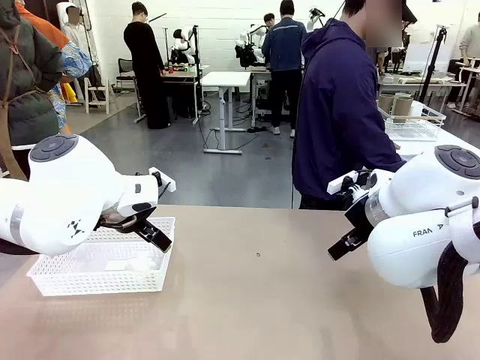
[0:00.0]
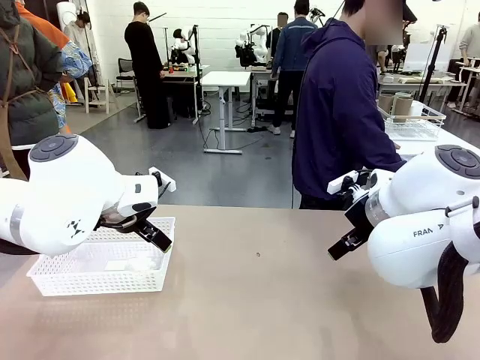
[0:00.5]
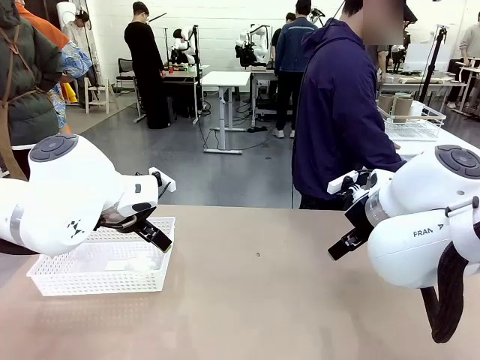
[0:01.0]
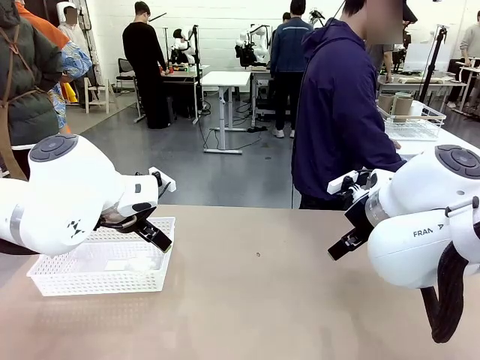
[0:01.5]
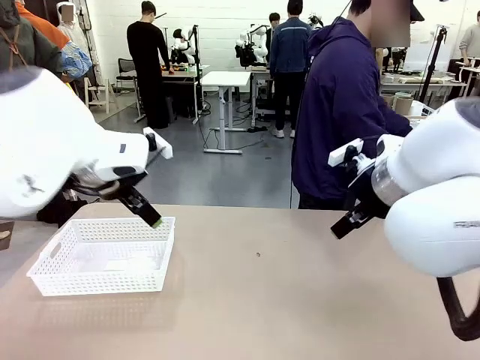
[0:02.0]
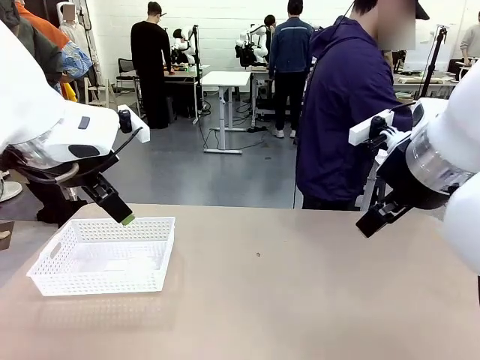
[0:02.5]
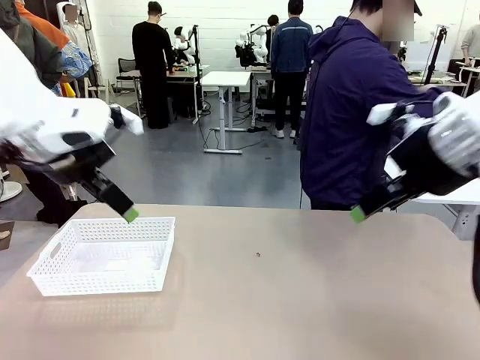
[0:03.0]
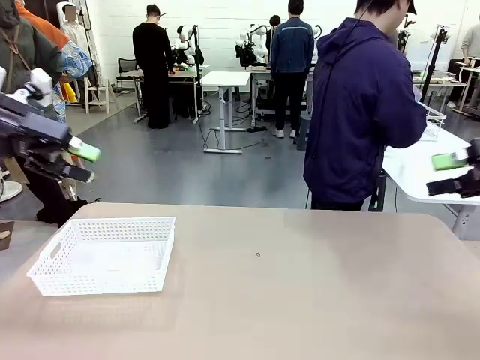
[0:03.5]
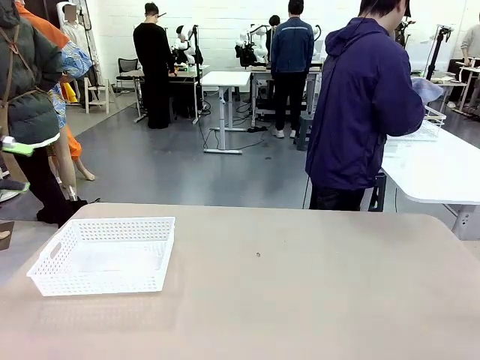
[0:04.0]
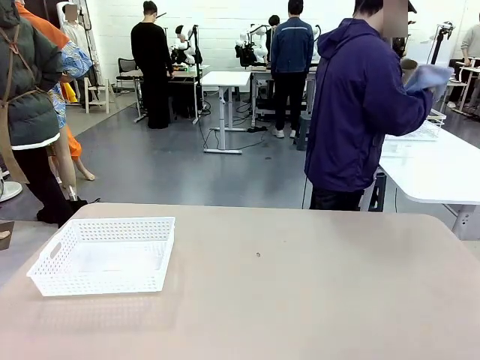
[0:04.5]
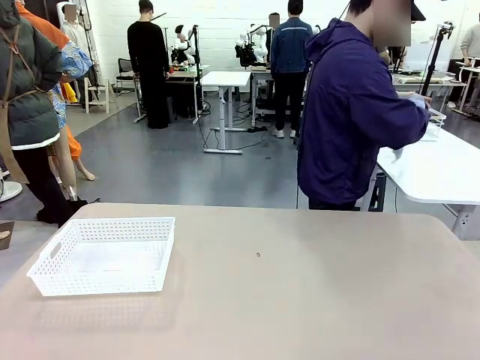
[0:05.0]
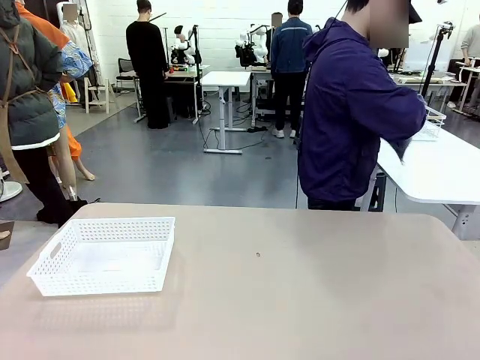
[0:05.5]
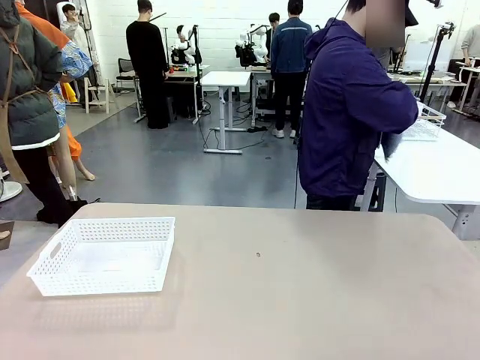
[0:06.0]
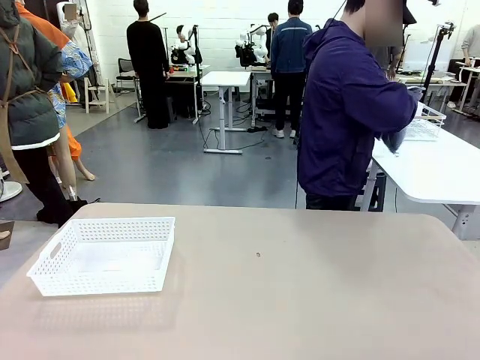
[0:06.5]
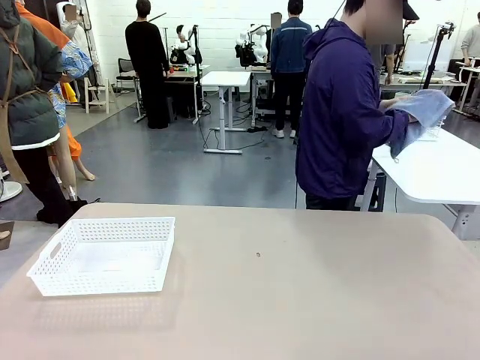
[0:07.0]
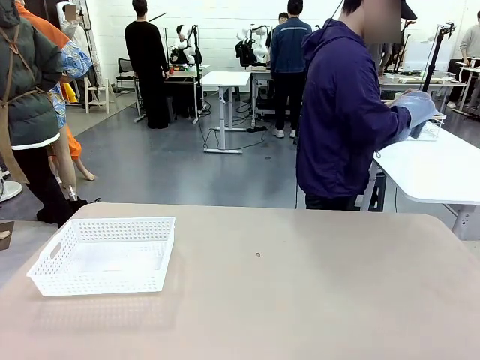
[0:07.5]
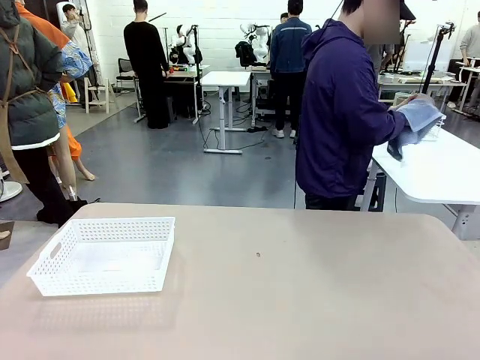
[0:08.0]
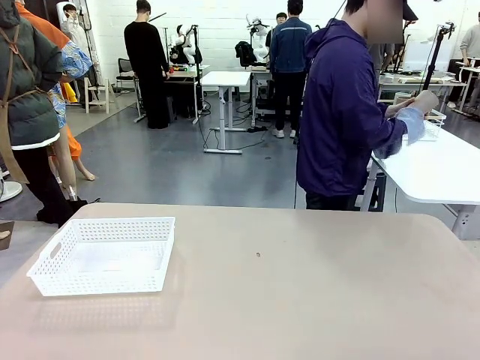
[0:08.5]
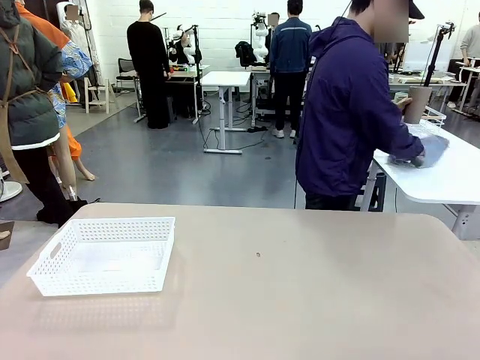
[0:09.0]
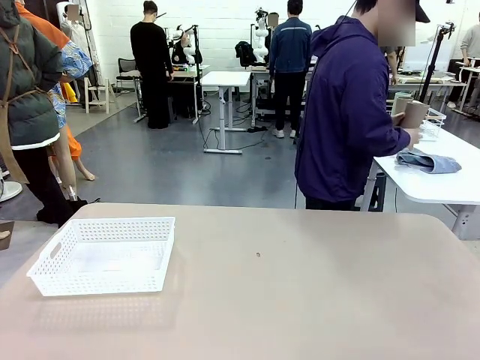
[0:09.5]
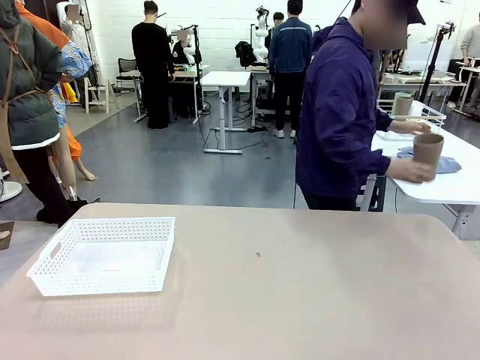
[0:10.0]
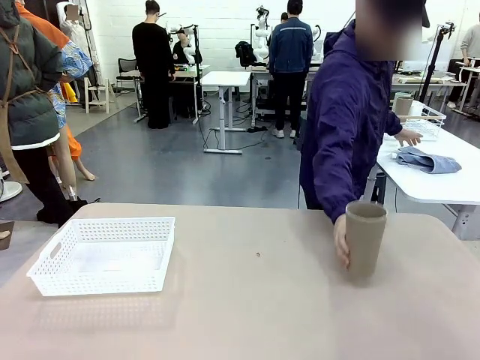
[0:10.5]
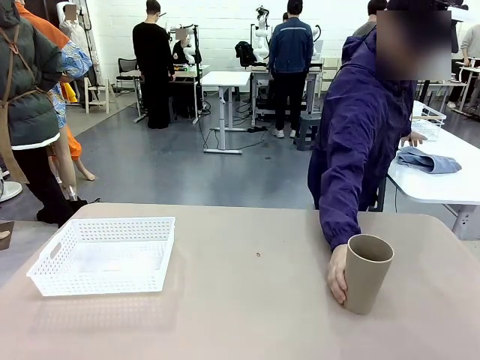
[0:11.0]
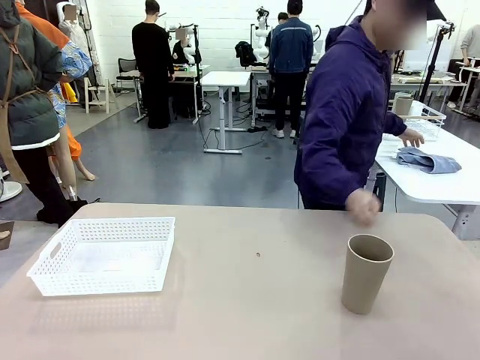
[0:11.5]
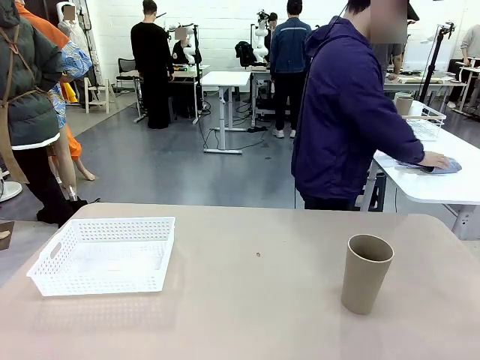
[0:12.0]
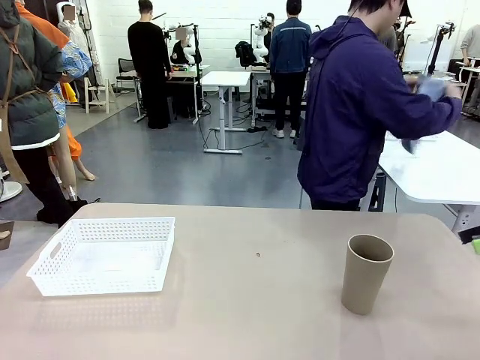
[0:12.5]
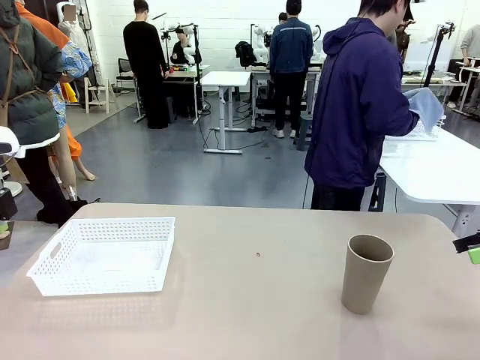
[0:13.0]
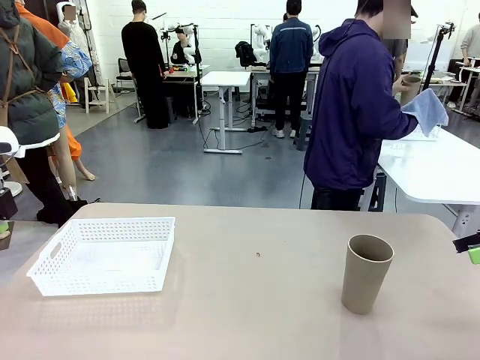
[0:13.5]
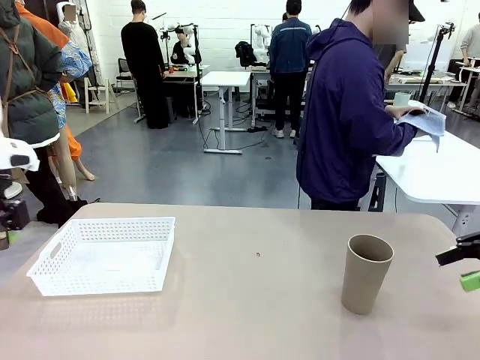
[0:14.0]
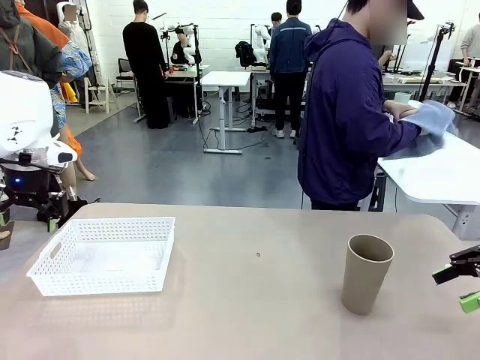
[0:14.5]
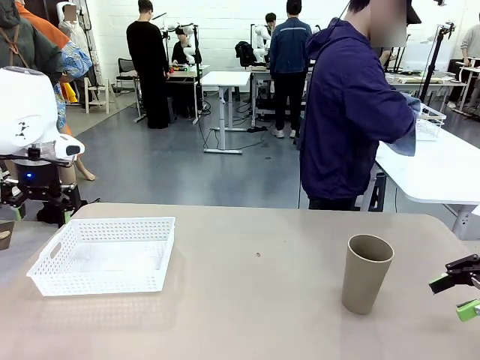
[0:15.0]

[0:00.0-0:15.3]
Task: Clean and organize the cups into the basket.
Robot: Pick up the Organizing basket and move it to the center of the table, then pick up the Reusable plastic cup from the right side of the table and place it inside the Organizing basket.
Person: Picks up a cup and a towel, cleans the cup with the towel, and places it on the left side of the robot table.
